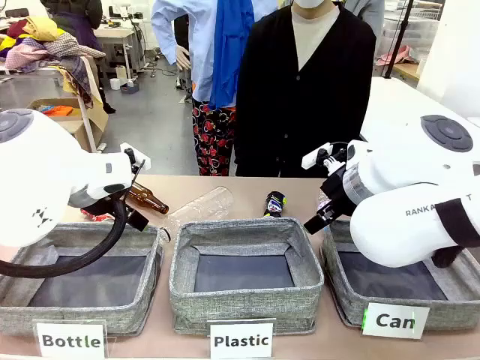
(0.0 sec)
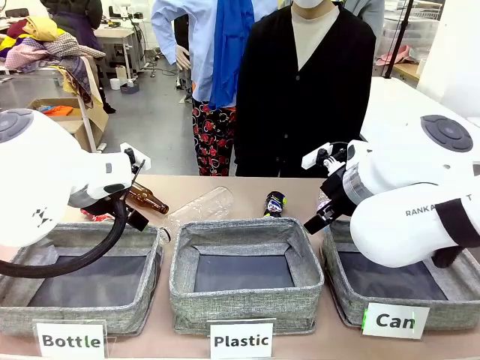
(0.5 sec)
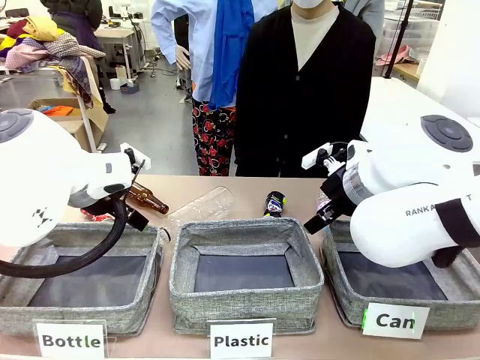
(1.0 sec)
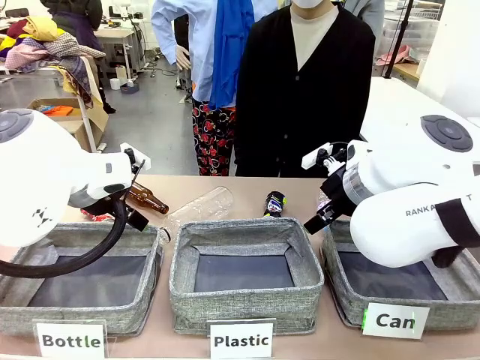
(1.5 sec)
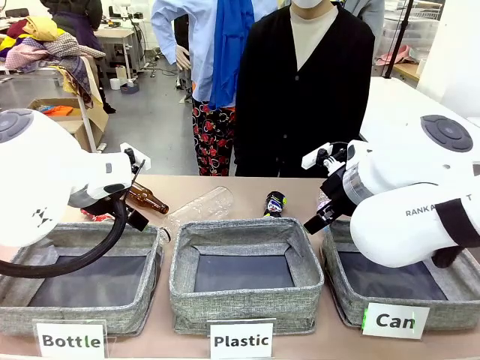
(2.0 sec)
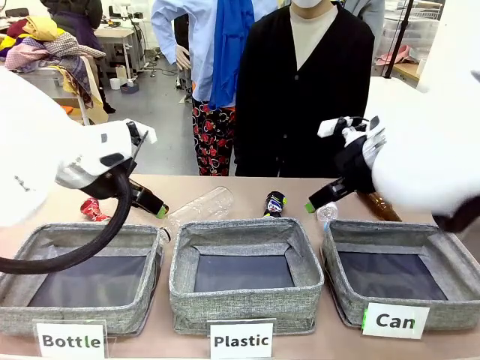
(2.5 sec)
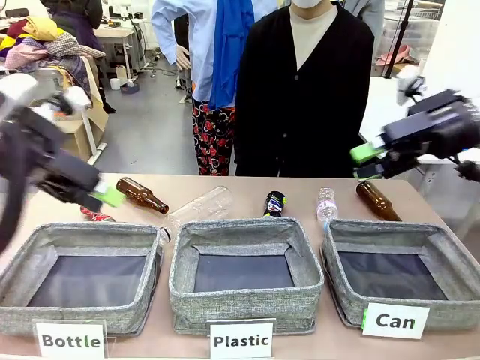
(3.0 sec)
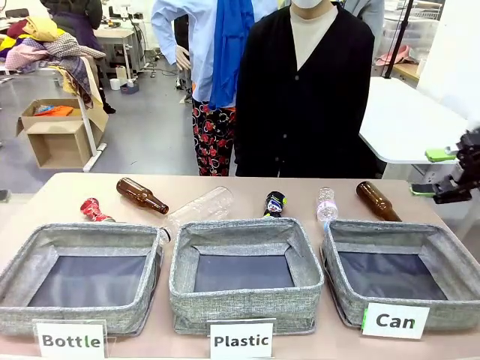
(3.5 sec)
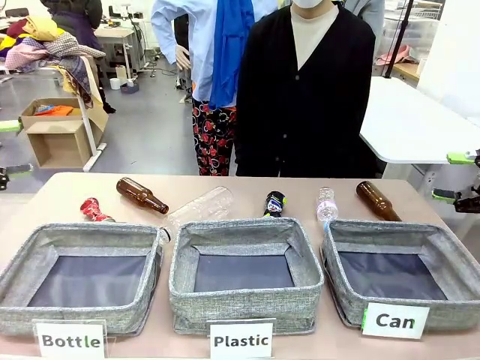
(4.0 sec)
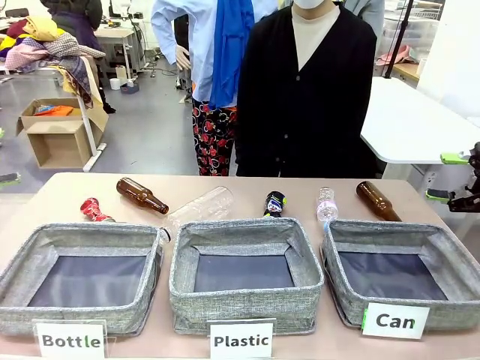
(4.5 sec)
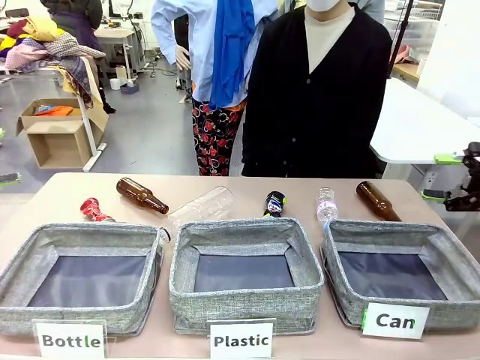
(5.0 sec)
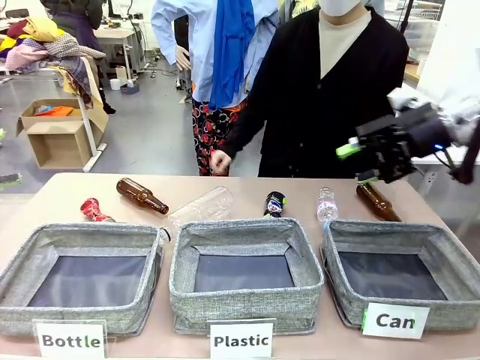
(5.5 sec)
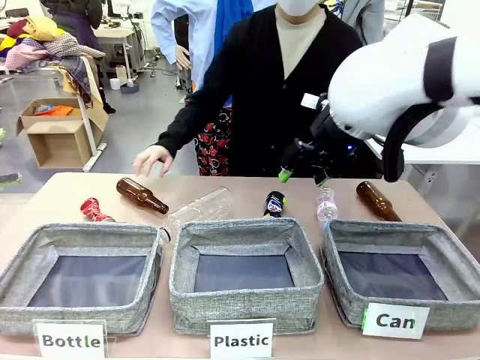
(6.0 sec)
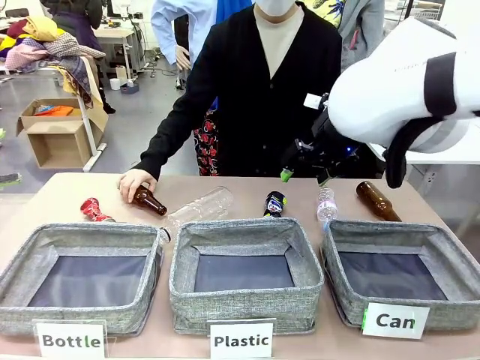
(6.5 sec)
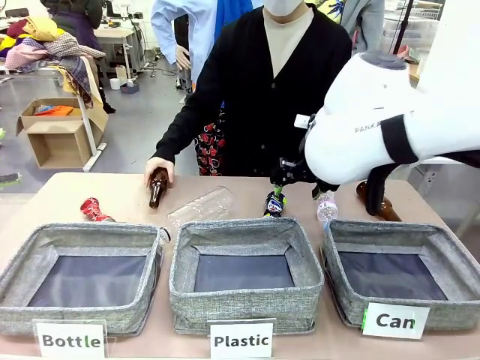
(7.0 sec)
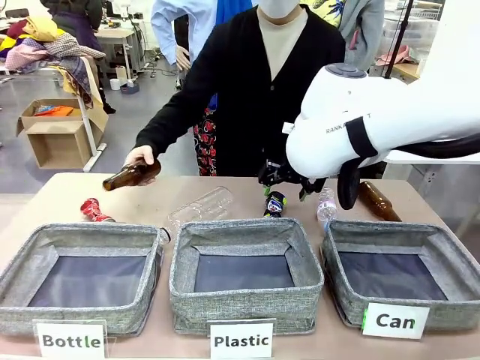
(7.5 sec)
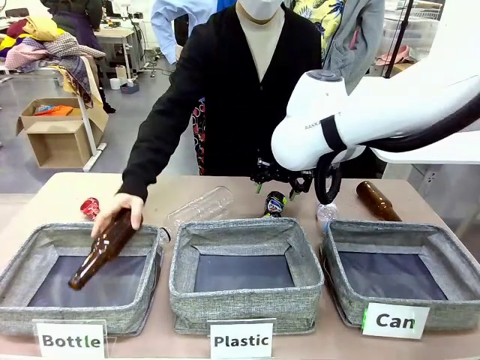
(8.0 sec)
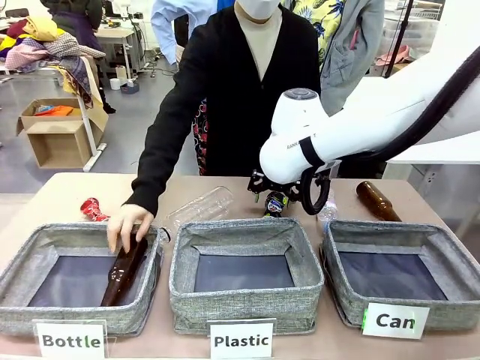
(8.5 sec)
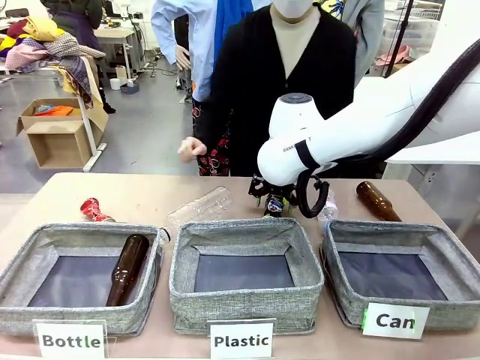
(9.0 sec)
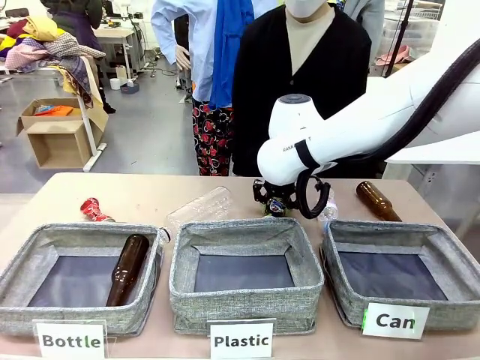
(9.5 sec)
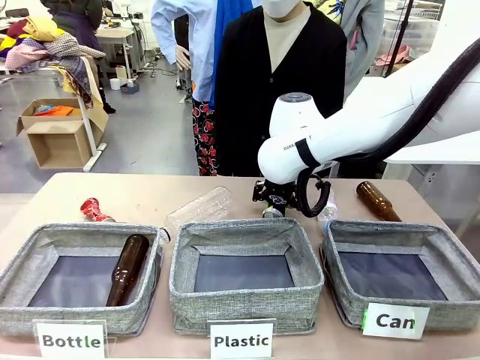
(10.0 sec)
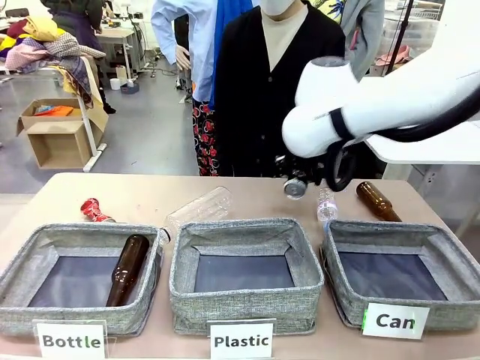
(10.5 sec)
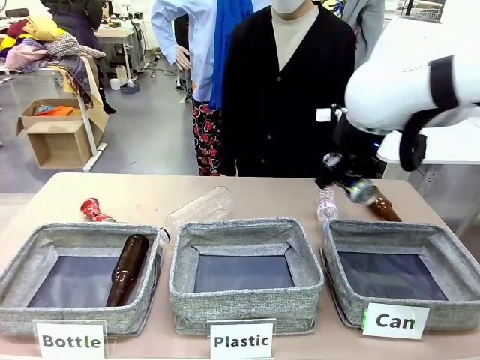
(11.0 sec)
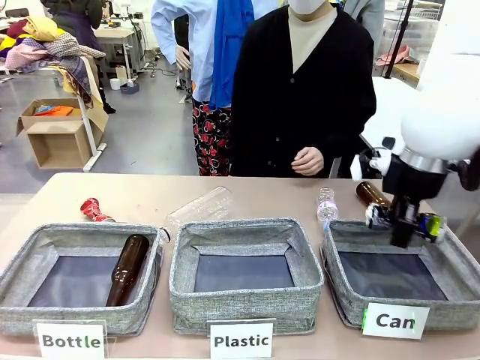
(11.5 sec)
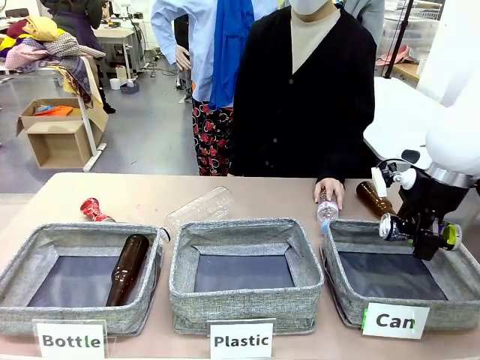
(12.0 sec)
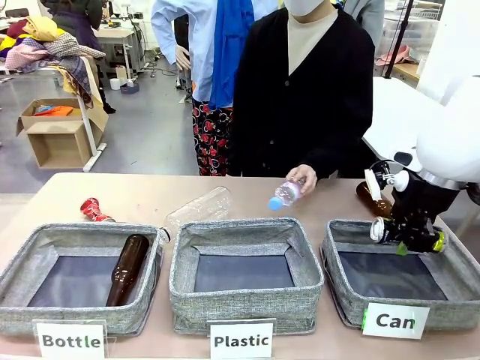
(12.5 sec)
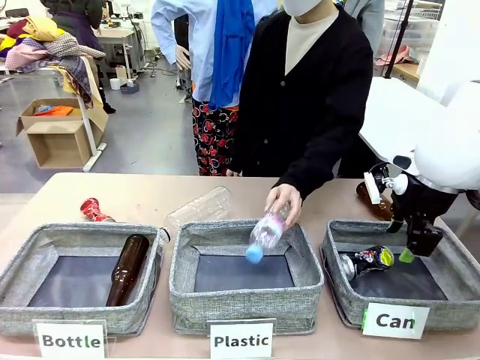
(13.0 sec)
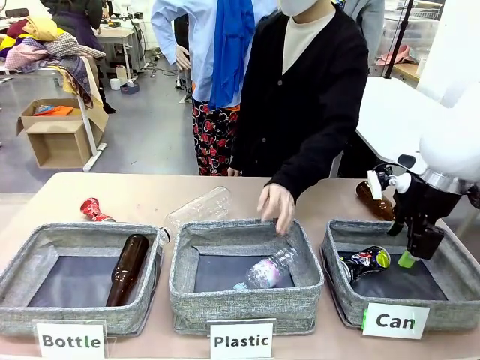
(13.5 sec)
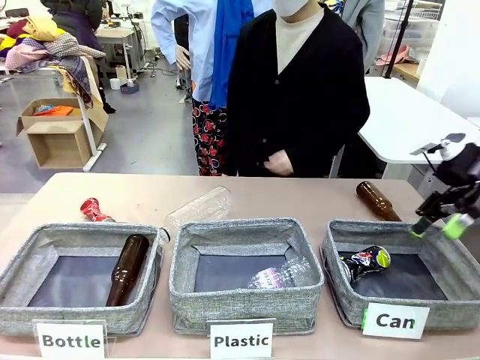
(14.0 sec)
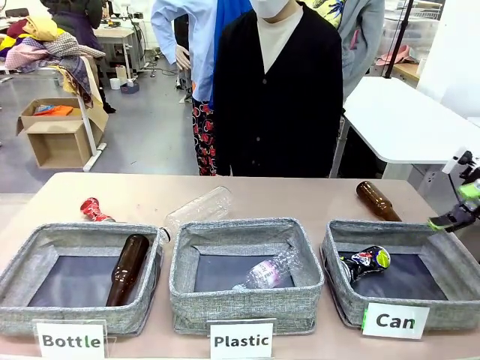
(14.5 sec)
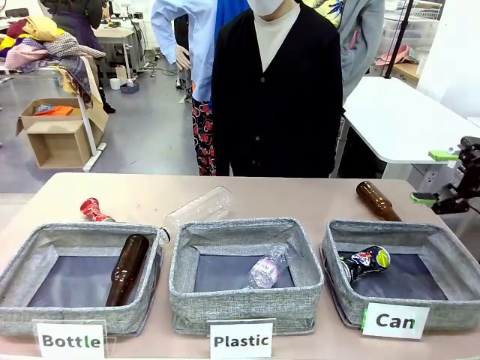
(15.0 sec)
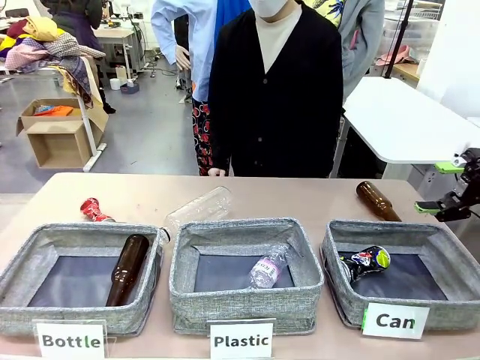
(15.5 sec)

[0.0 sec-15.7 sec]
Task: Sort the can waste into the basket.
Robot: Pick up the can waste from the table and place it in the right Fabric basket.
